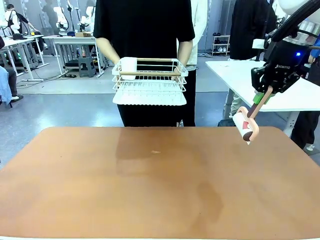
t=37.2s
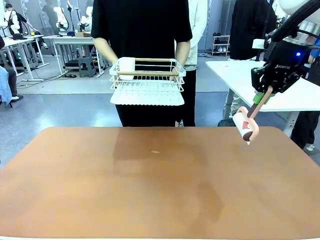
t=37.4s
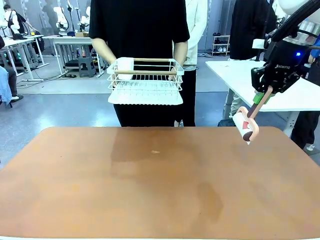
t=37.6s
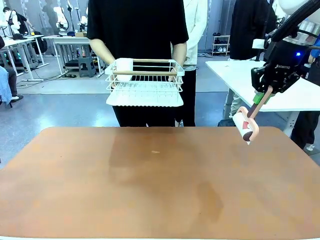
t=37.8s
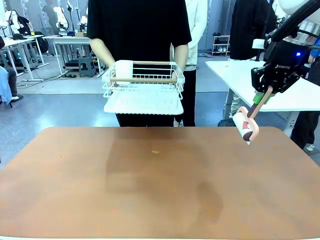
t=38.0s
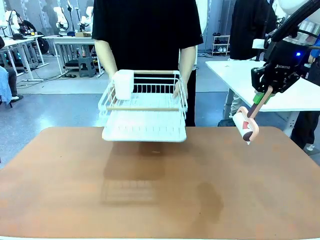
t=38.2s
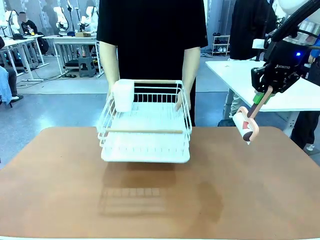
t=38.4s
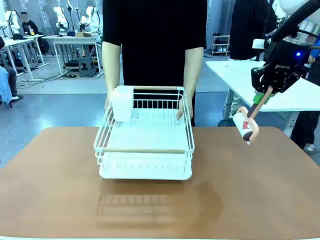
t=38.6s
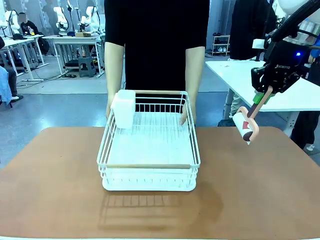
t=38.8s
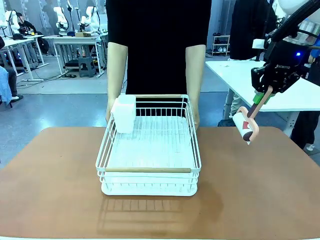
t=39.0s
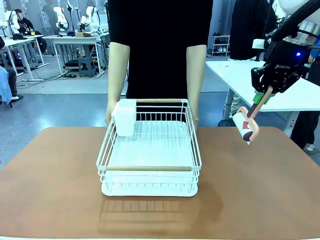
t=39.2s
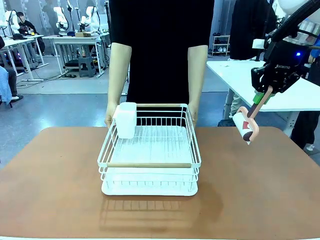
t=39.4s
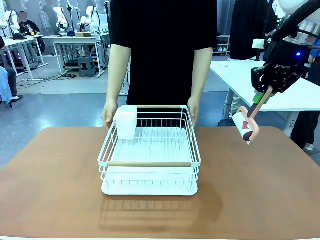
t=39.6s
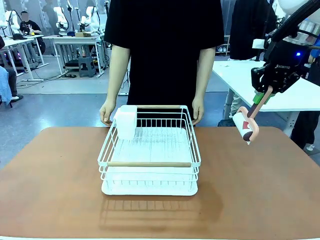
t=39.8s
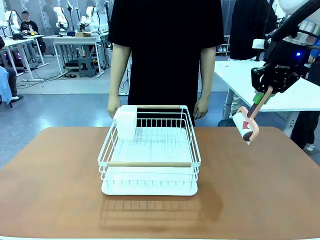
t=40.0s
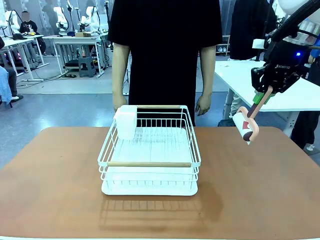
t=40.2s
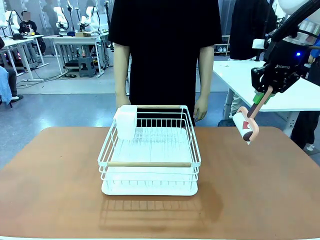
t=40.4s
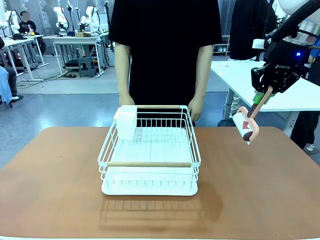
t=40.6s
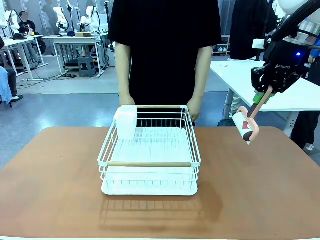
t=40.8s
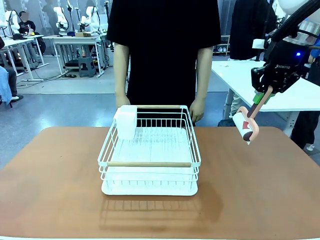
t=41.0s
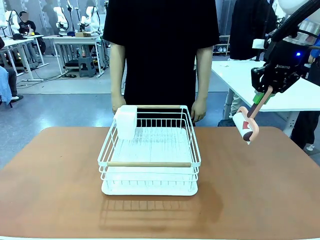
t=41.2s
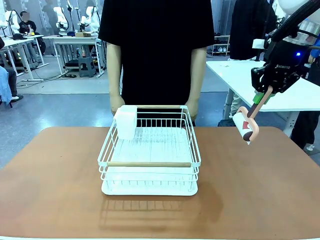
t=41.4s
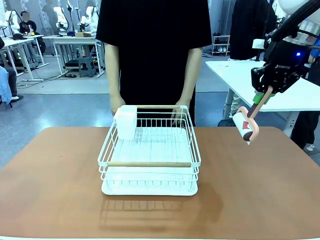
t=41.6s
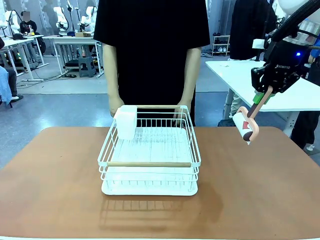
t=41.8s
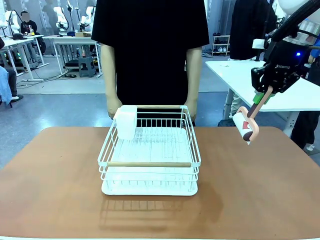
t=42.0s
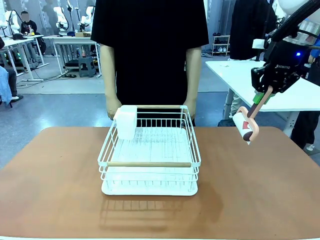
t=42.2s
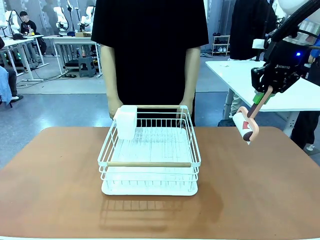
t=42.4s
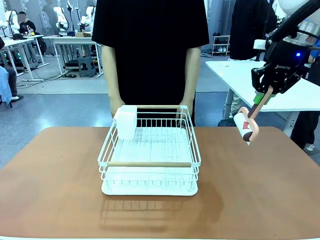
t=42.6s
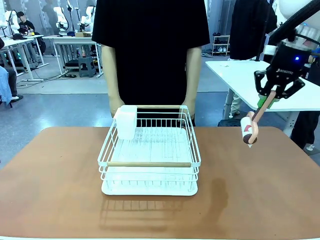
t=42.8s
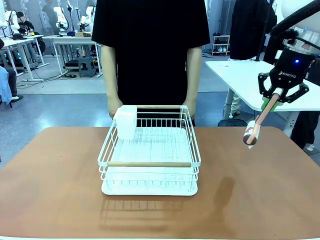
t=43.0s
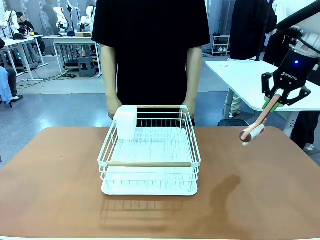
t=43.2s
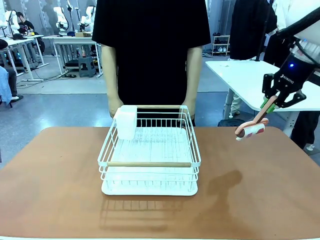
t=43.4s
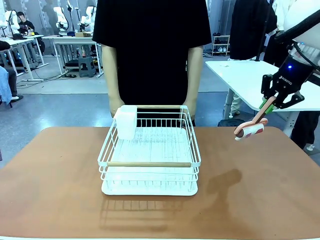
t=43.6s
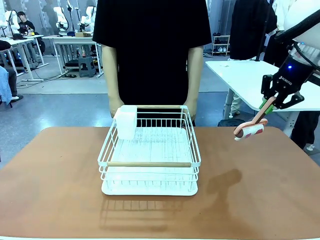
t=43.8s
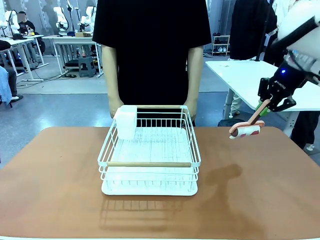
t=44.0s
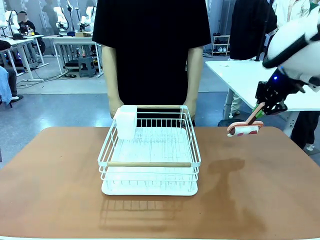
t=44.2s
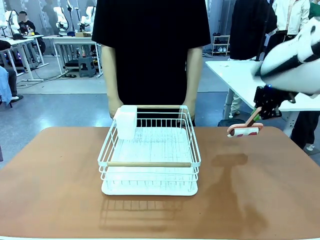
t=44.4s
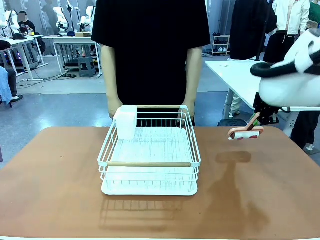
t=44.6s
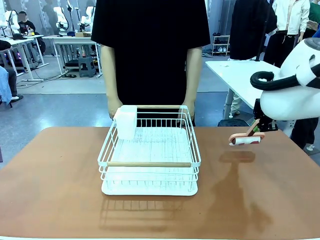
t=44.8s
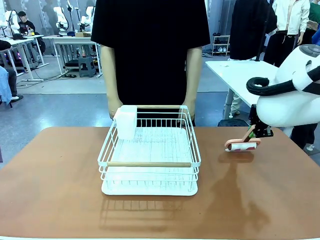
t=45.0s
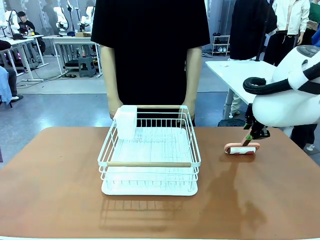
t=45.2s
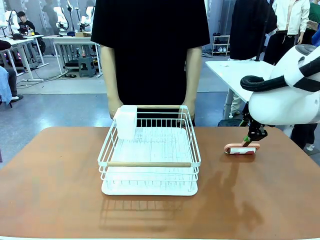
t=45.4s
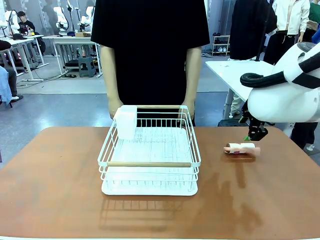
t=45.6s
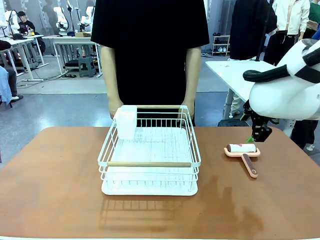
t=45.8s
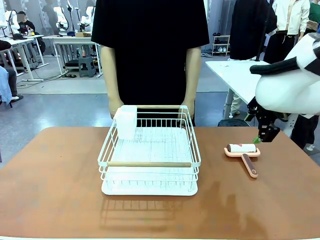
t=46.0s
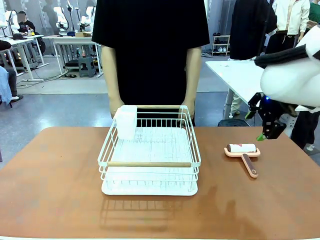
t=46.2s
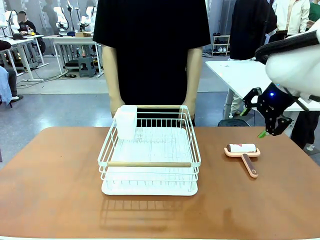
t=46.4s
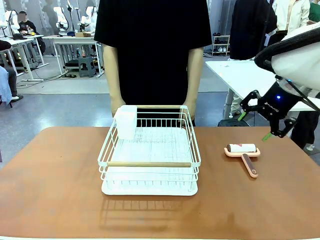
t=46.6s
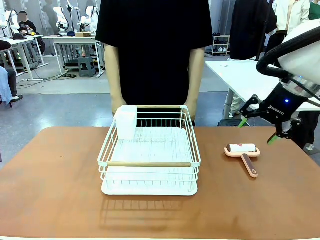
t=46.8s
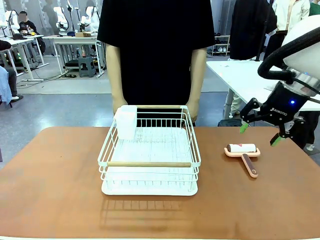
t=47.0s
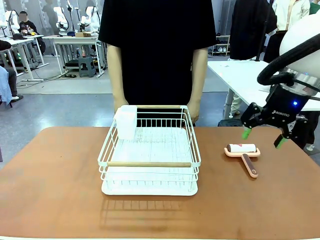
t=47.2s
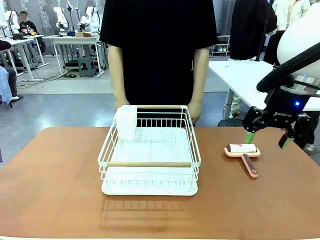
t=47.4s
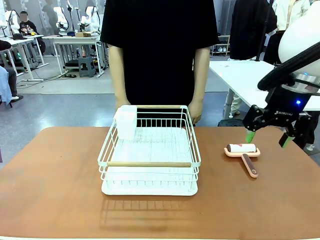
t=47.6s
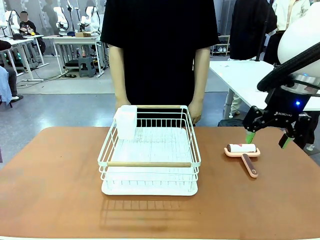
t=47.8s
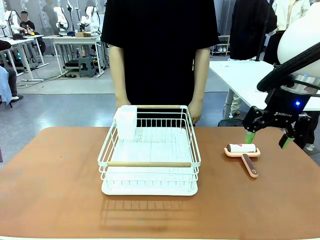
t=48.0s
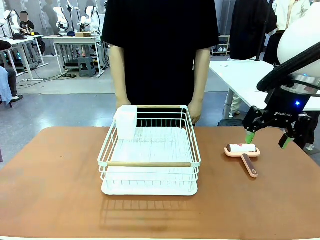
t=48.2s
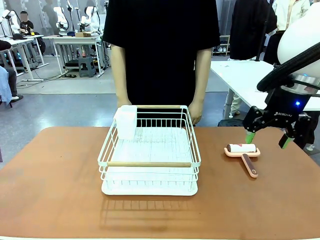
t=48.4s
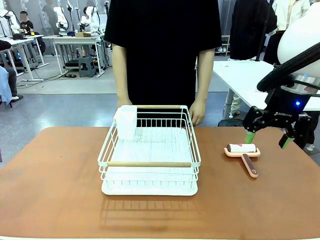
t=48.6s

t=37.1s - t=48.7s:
Task: Clean the table.
Robot: Place the Lint Roller down when the Dish drying rack is positioned in the middle of the table.

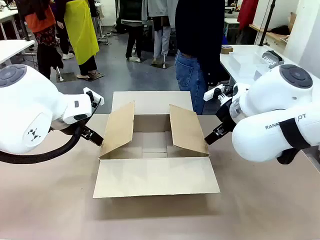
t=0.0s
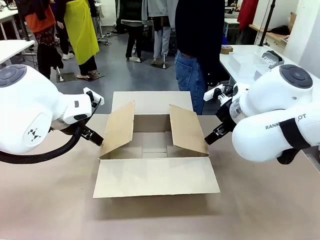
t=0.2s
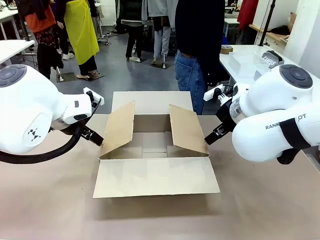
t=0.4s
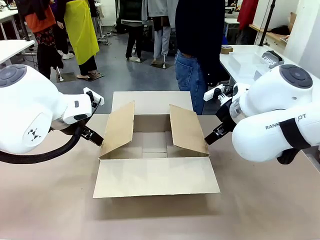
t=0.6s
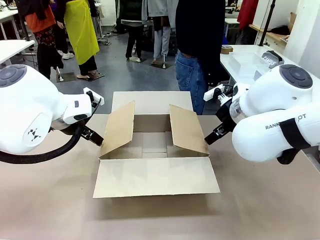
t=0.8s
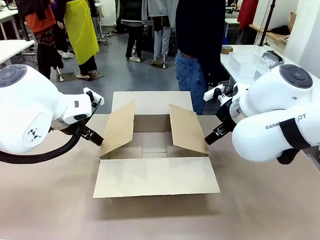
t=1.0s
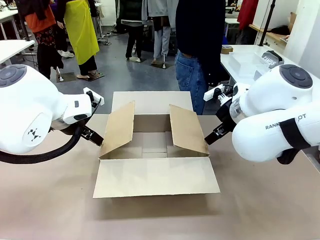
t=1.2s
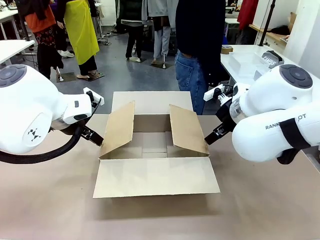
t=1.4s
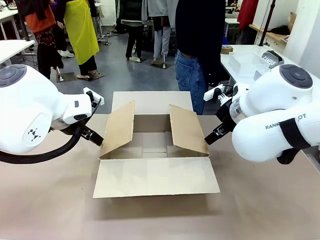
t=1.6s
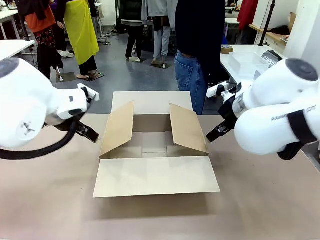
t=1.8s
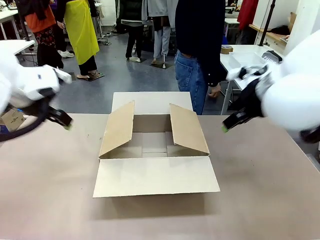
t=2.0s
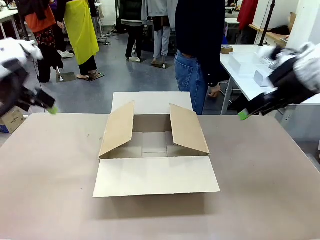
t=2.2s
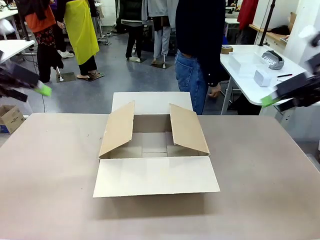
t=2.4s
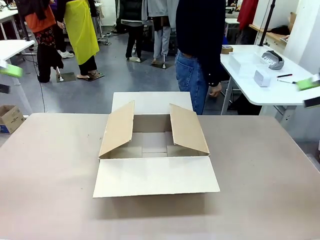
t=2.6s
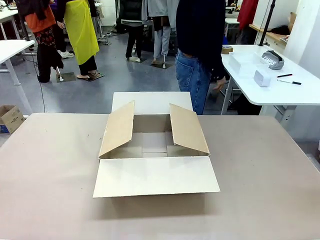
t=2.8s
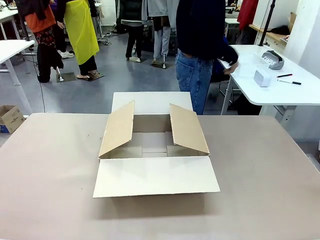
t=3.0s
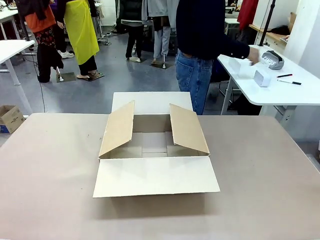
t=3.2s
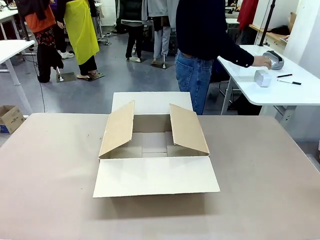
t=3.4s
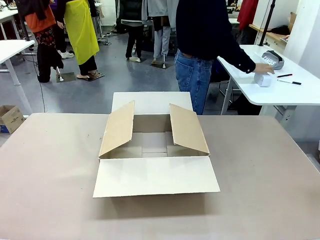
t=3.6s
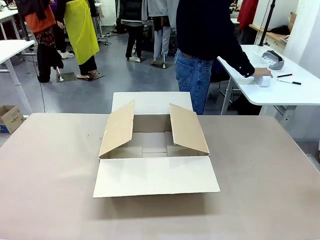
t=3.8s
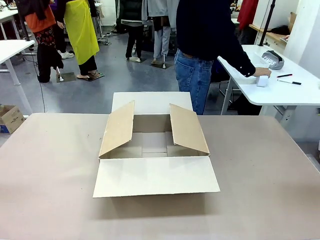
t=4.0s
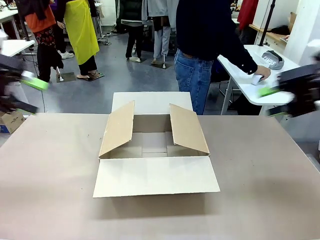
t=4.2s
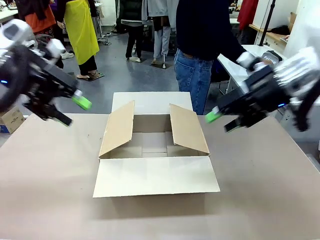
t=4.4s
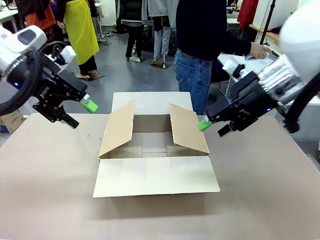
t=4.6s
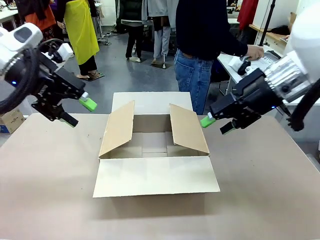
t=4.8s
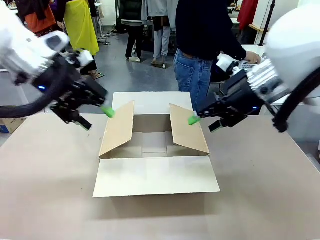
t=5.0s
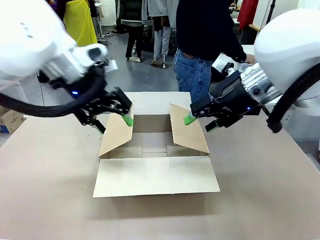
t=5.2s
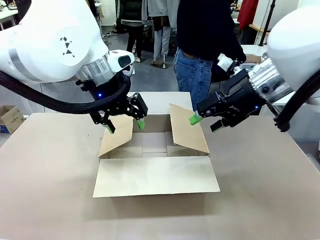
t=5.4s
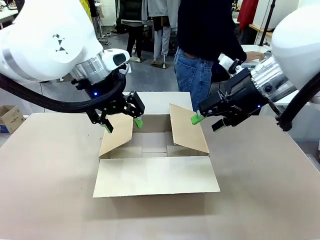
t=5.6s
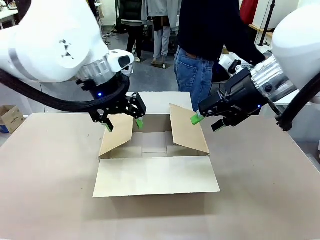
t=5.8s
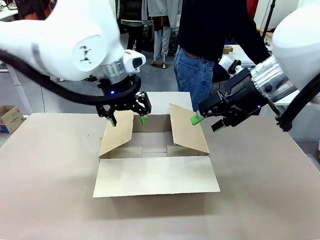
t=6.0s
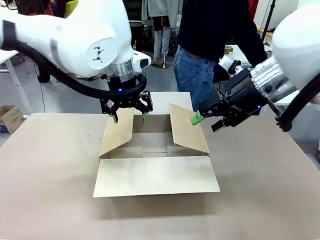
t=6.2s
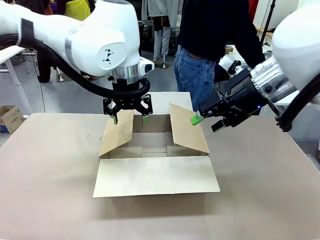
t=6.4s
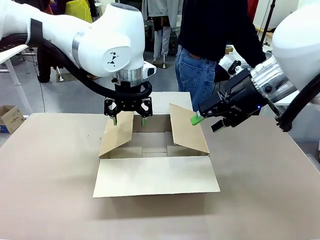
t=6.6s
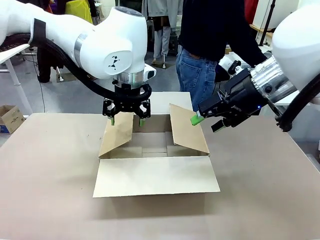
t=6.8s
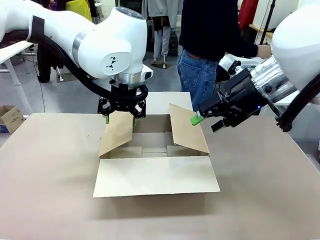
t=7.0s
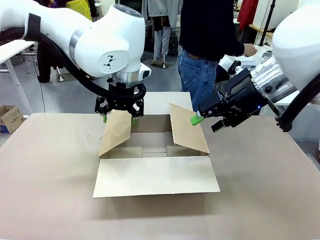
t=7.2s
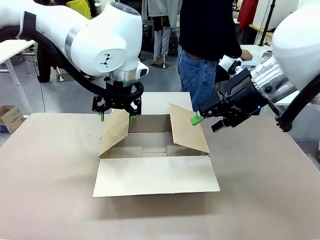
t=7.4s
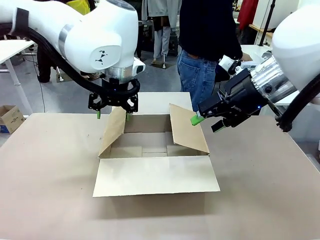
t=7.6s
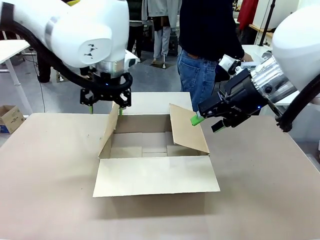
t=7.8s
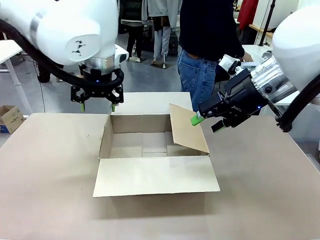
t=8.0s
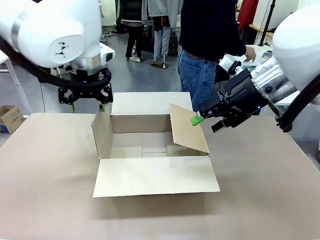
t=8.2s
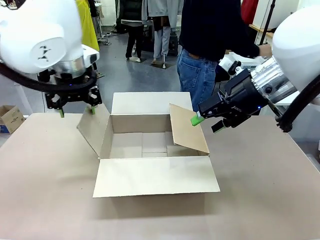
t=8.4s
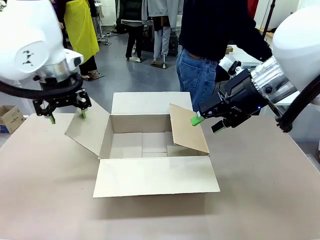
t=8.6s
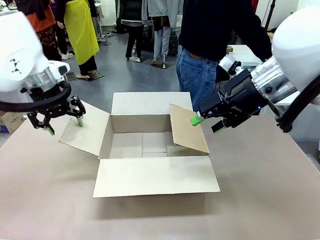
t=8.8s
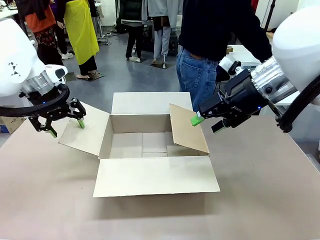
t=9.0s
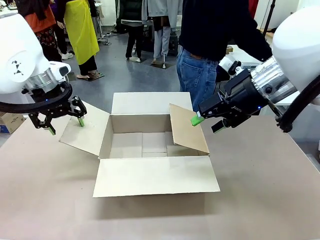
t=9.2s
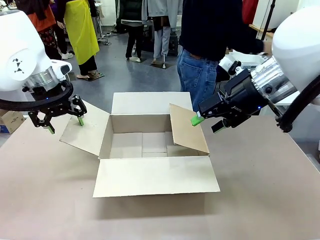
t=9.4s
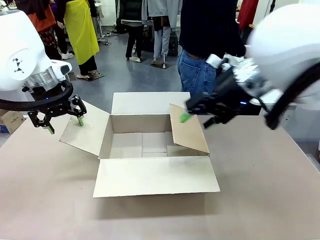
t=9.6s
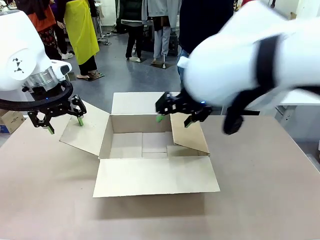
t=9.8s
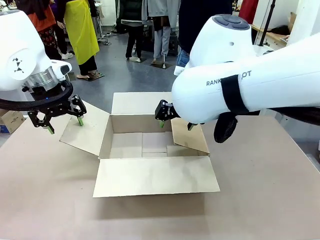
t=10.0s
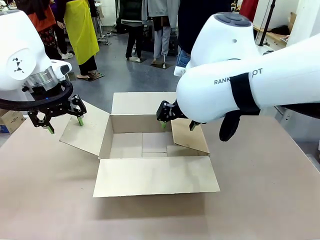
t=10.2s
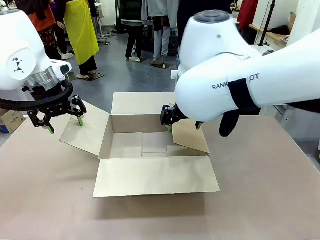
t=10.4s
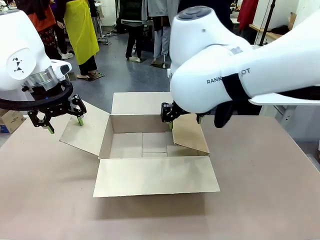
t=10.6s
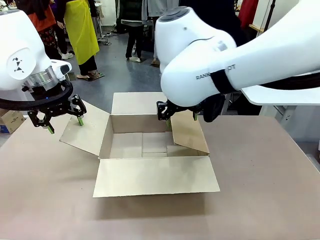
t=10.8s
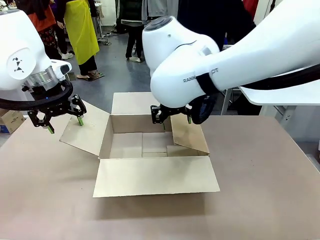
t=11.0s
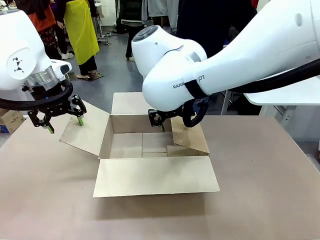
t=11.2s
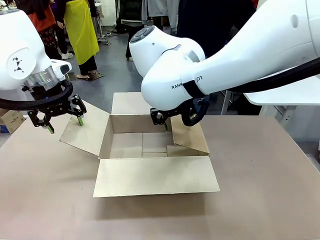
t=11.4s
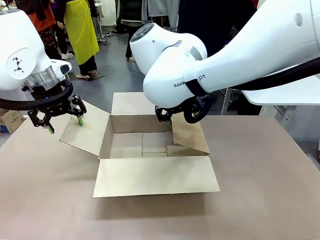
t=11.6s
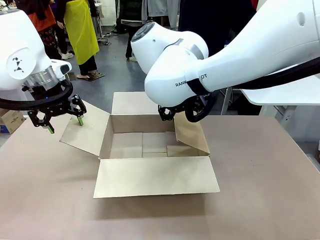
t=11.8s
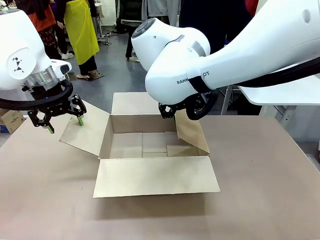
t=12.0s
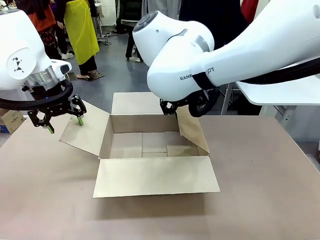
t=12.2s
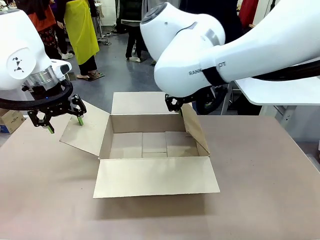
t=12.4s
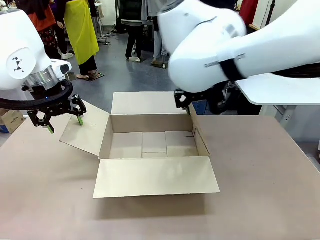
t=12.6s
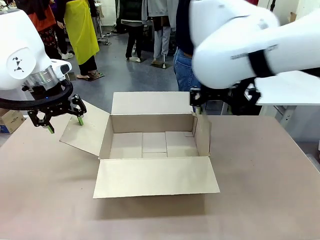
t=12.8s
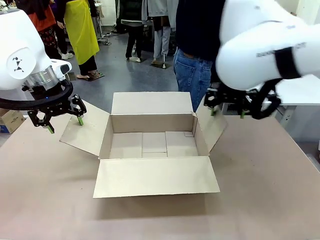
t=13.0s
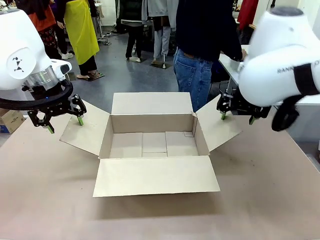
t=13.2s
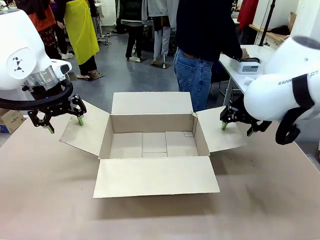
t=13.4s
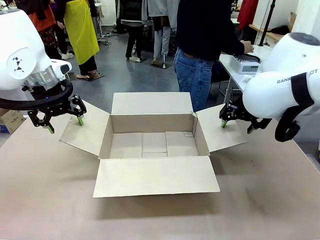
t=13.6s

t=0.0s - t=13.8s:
Task: Pack the gift set into the box.
Robot: Place both hands on the side flaps of the Package Box and spread them outward.
Person: The human places all items except the paper tape into the organizing basket.
